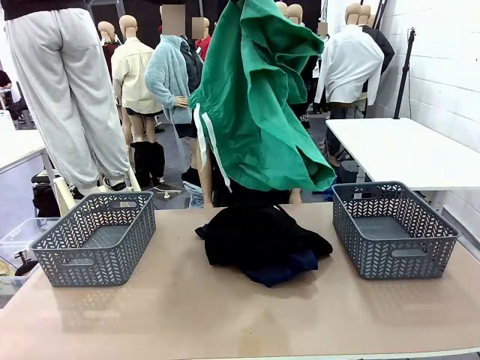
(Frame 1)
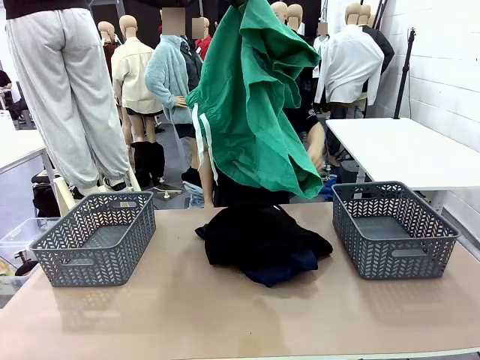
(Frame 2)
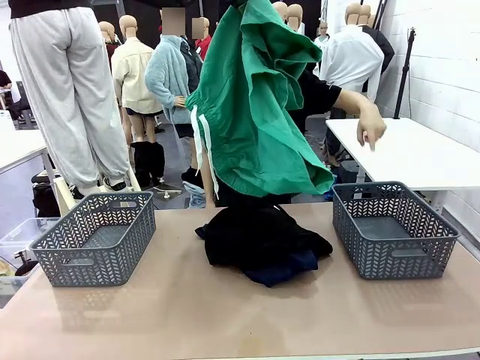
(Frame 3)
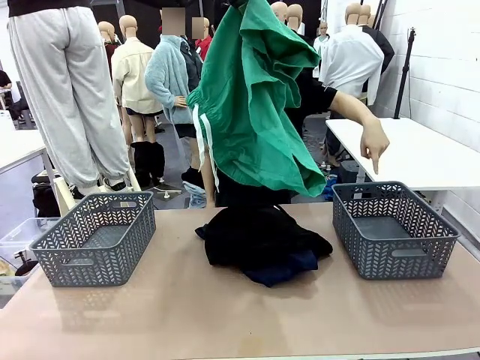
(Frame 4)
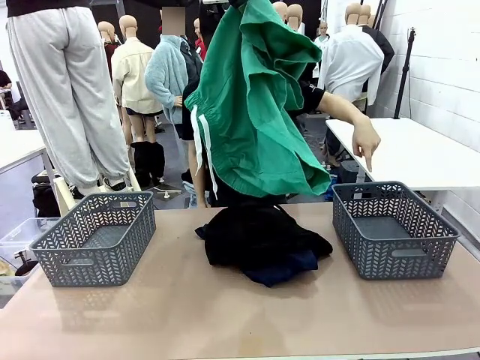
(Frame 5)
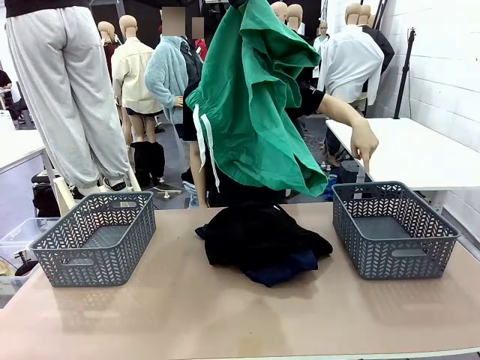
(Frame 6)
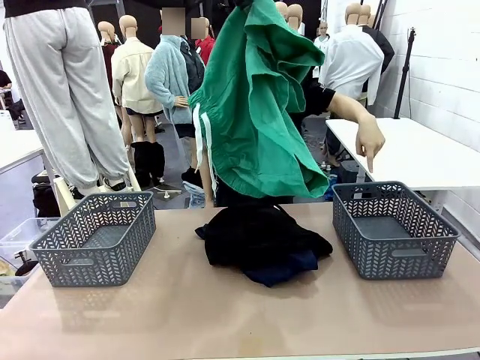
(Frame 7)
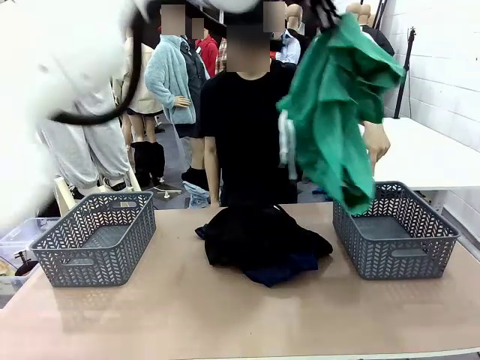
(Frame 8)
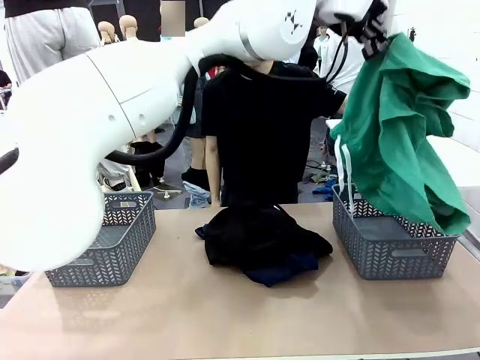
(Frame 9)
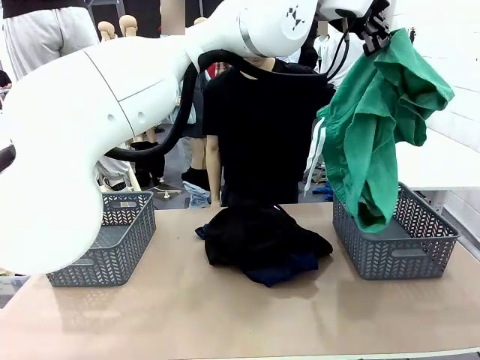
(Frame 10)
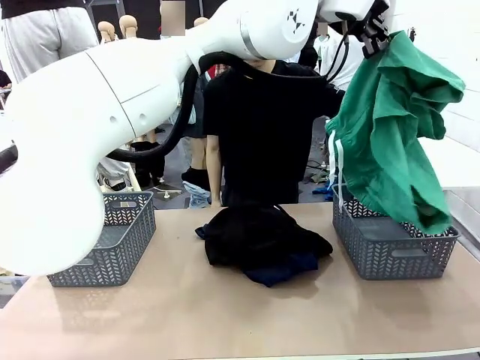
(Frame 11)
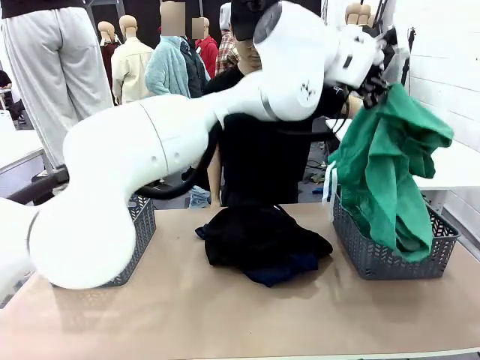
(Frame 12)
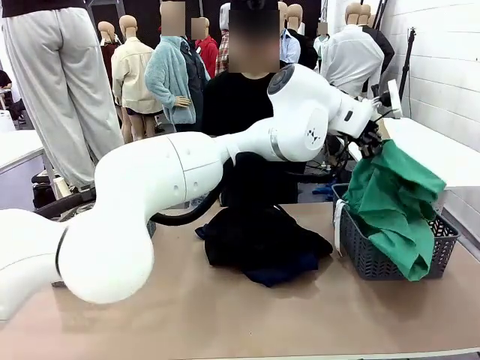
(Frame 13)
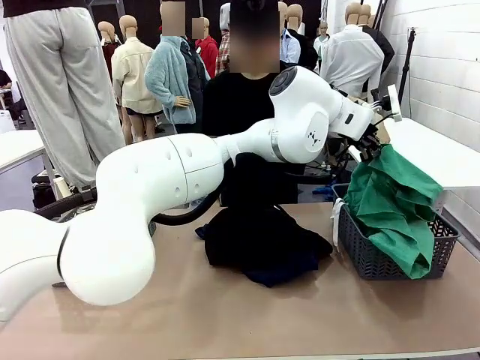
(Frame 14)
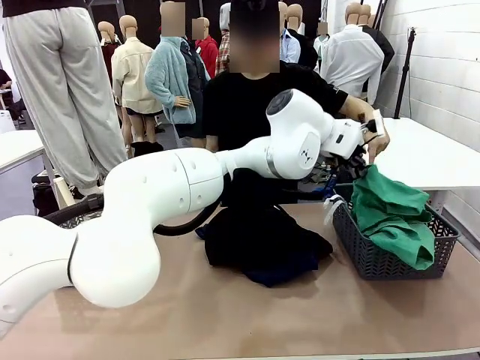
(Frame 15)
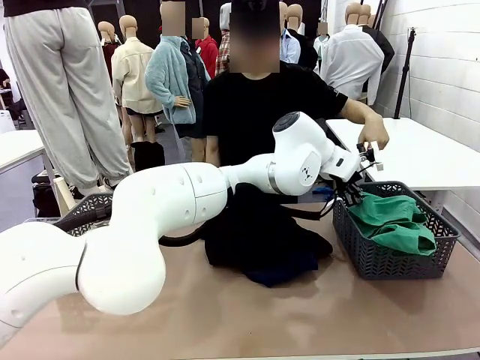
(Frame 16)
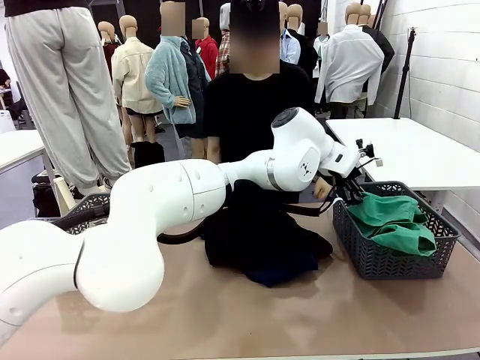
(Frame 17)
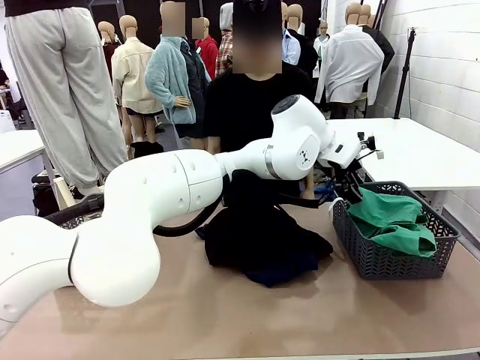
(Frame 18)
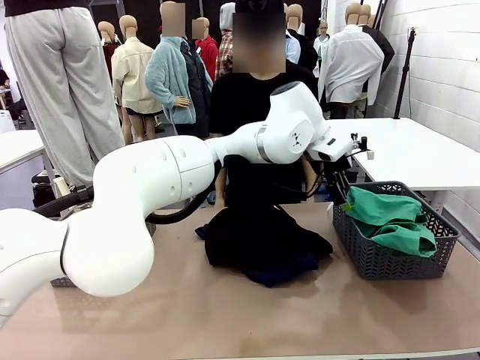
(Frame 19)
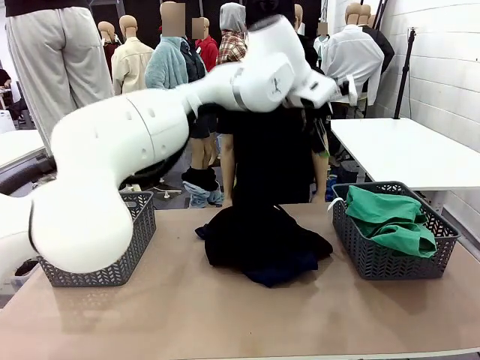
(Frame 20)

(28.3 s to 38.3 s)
Task: Sort the tops and bottoms.
Robot: Sort the clothes according to human instructions.

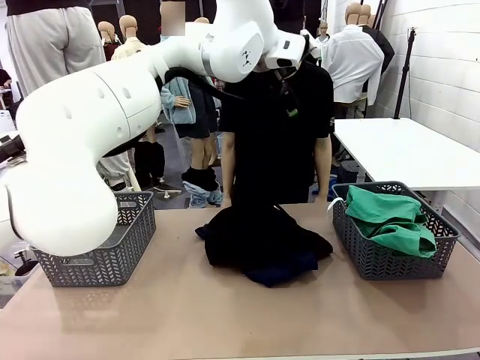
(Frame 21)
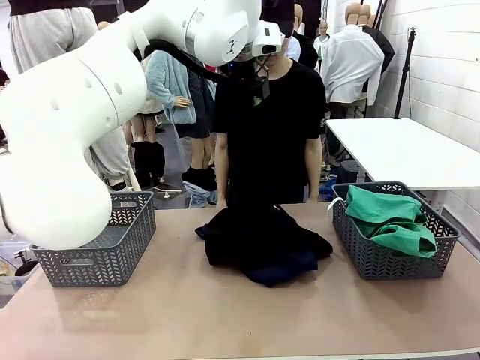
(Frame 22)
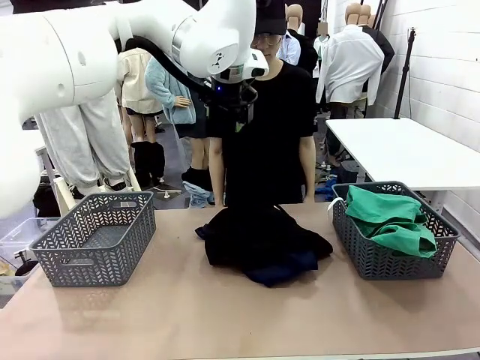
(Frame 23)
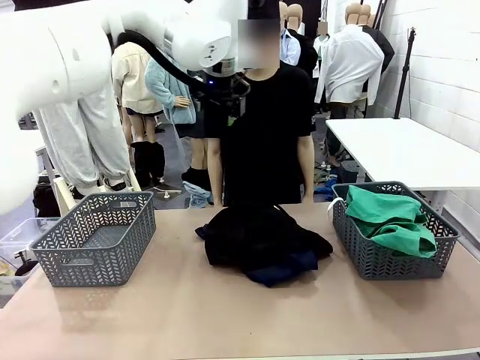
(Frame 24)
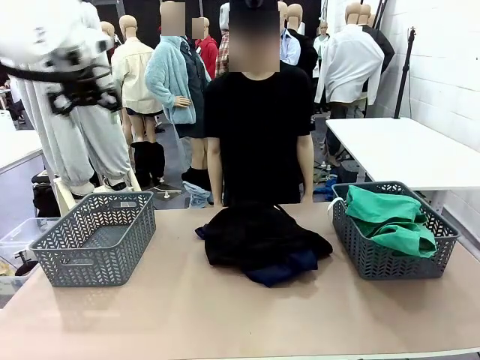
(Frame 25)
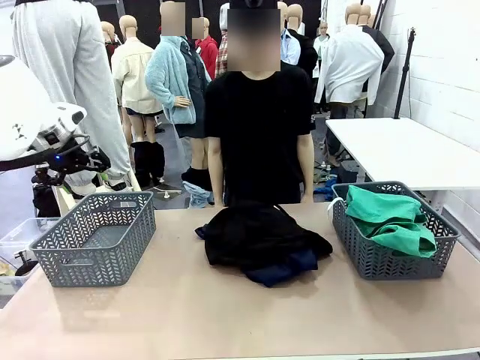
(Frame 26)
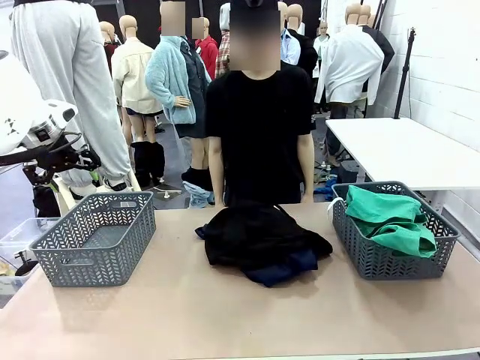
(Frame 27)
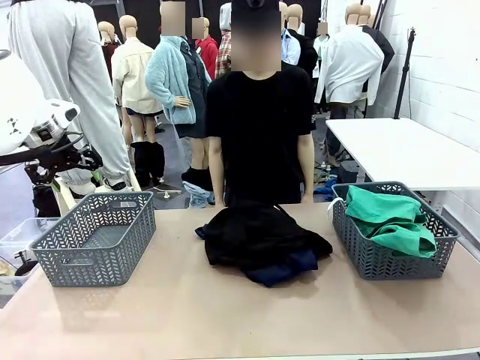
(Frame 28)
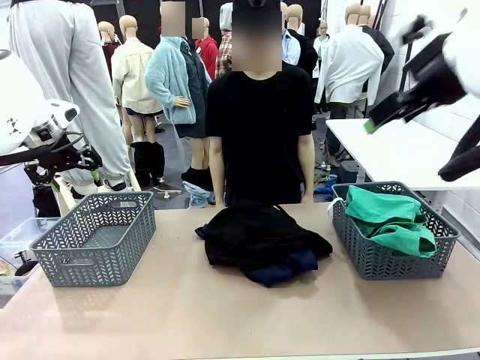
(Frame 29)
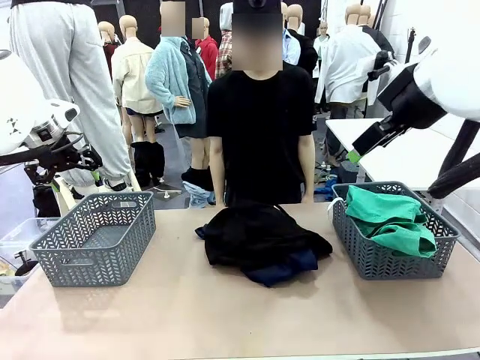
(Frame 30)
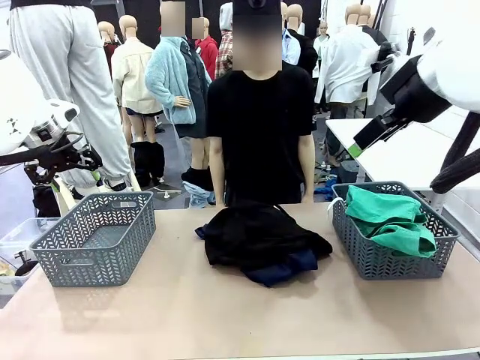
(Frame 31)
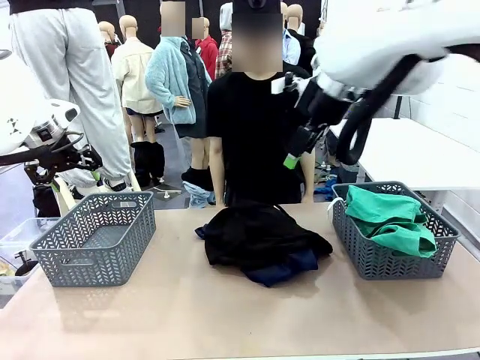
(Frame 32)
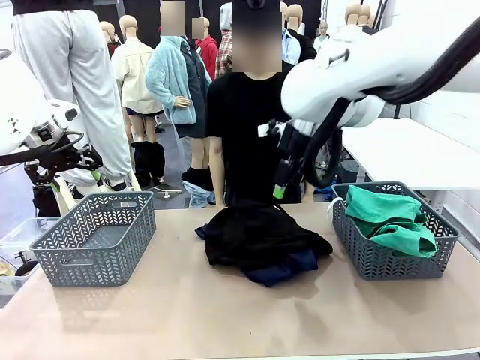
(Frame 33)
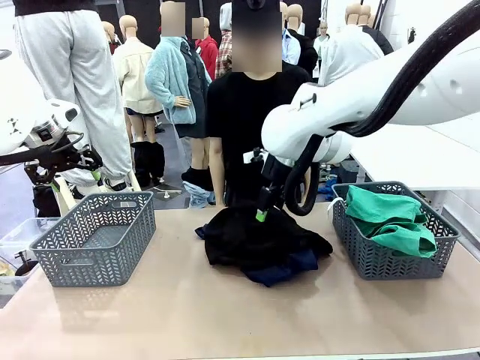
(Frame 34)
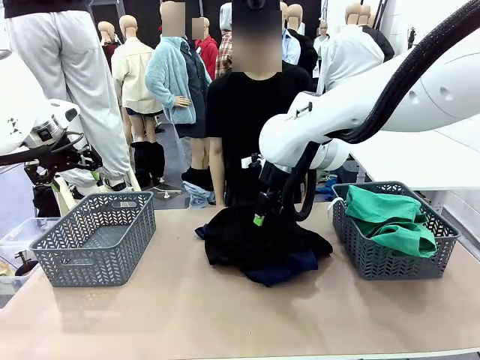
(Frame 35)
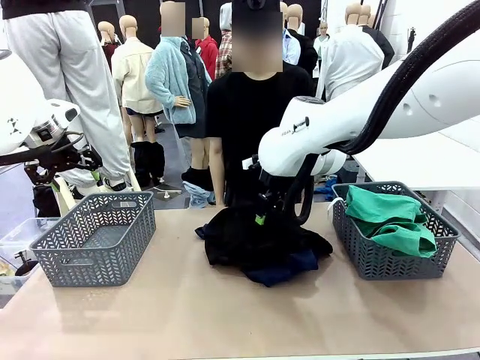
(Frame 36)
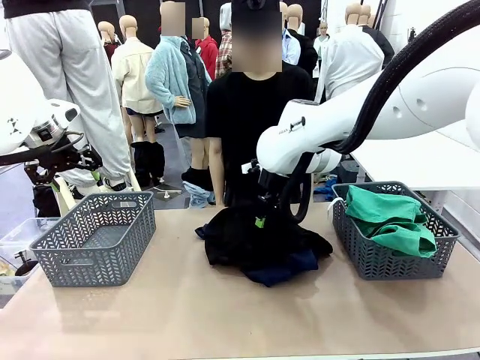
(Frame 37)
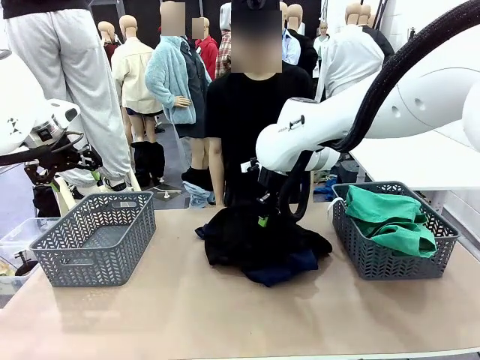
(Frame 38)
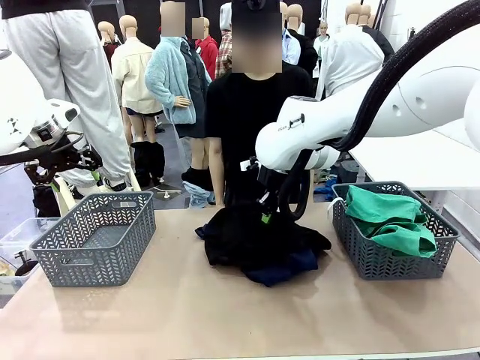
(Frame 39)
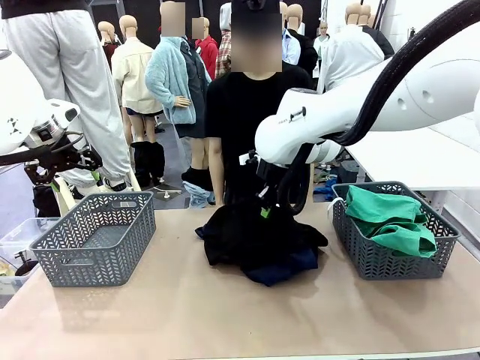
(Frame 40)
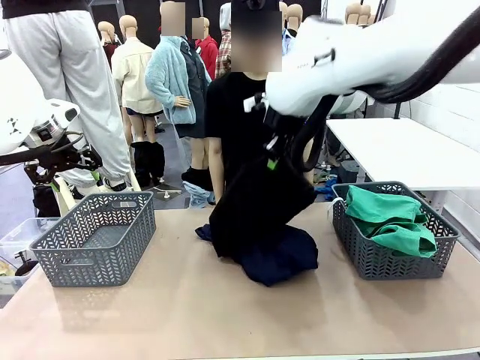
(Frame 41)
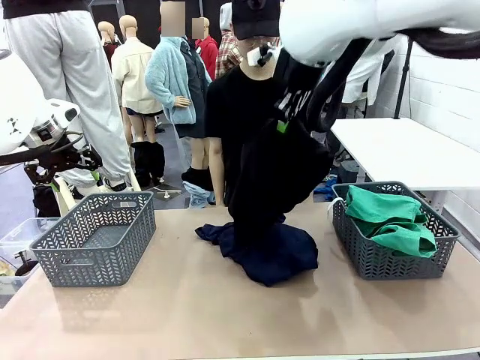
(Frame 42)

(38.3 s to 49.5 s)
Robot: Lift clothes from the center of the table with your right hand.

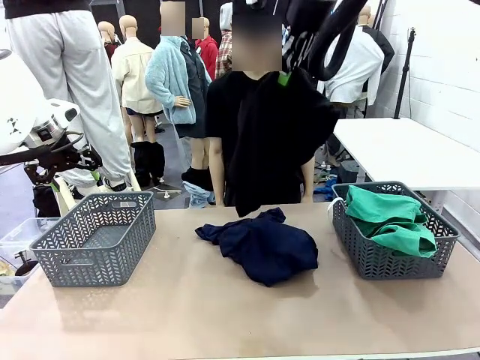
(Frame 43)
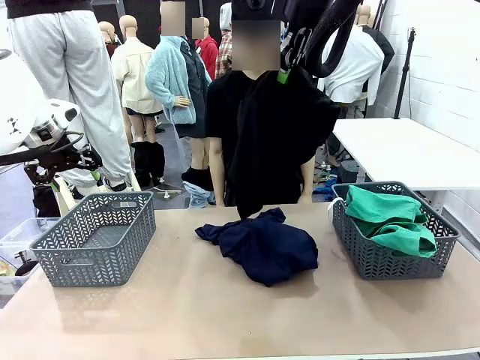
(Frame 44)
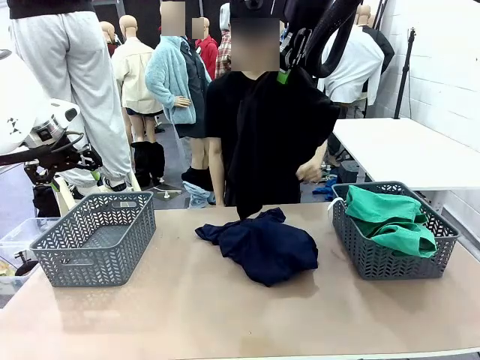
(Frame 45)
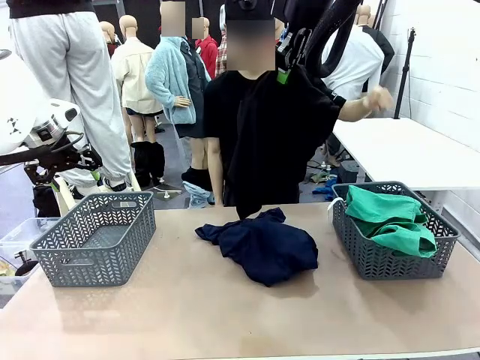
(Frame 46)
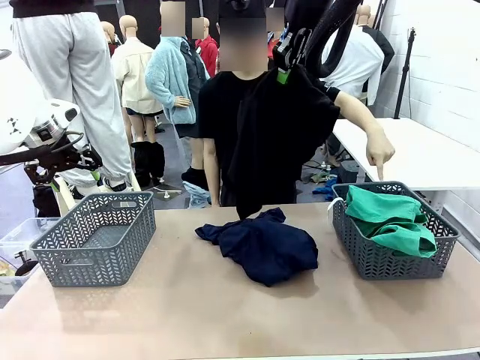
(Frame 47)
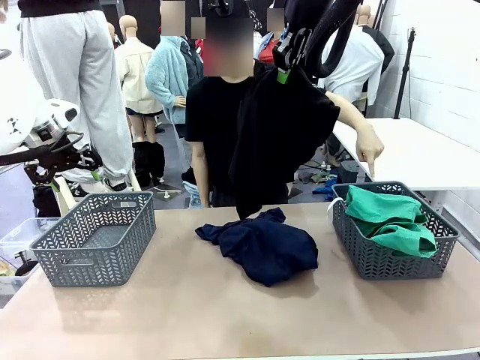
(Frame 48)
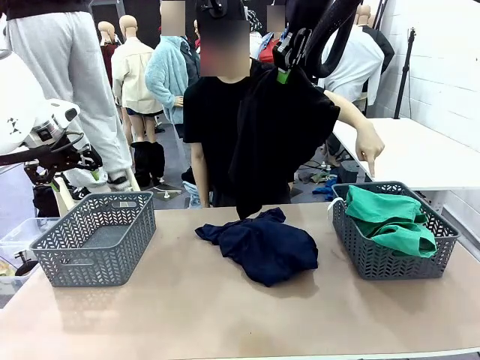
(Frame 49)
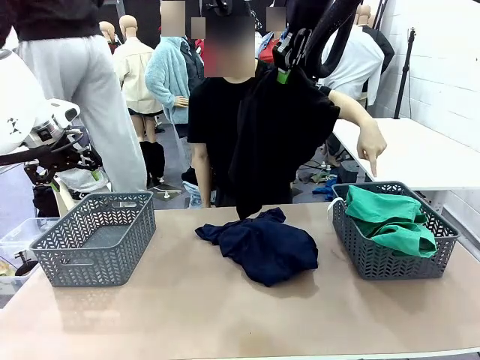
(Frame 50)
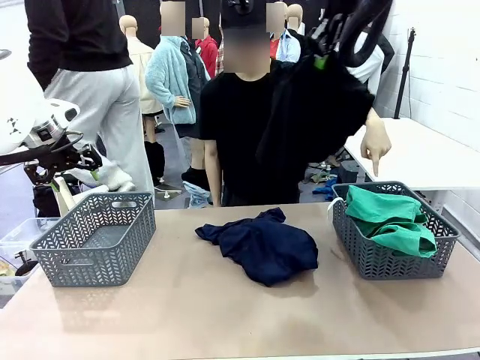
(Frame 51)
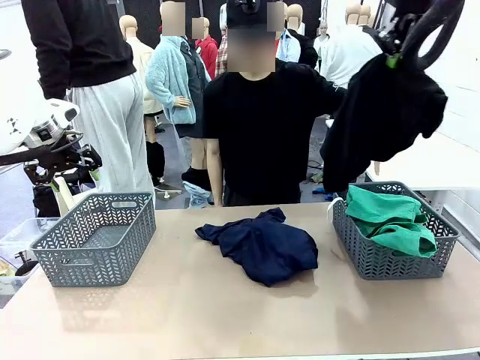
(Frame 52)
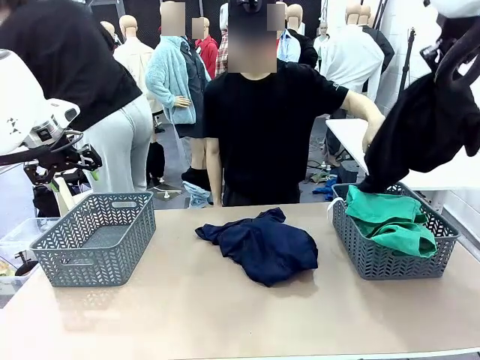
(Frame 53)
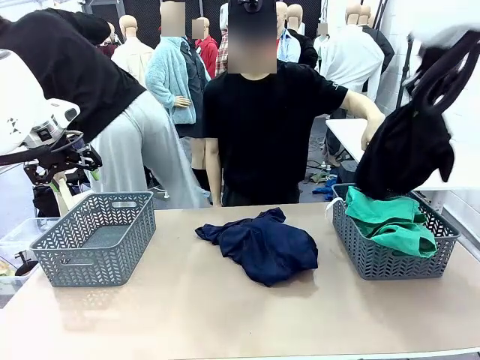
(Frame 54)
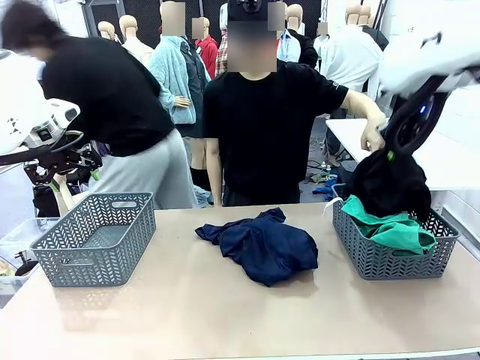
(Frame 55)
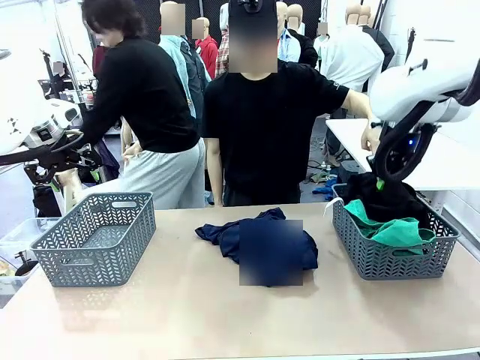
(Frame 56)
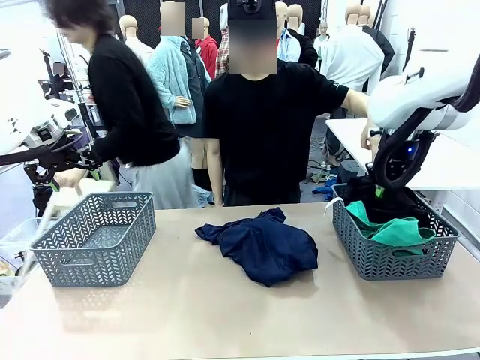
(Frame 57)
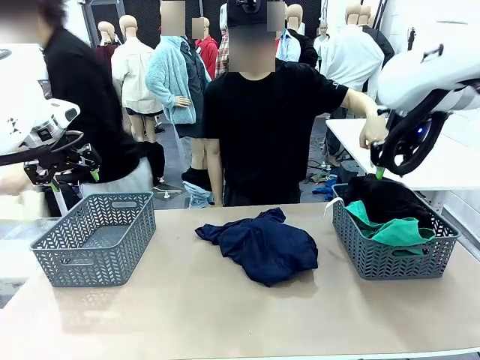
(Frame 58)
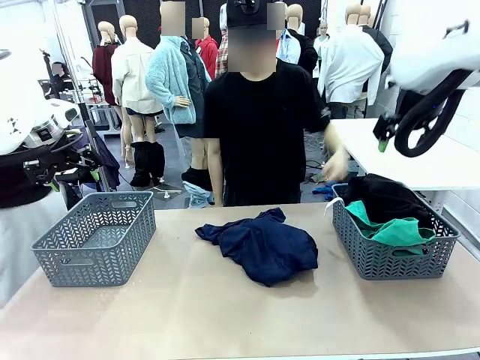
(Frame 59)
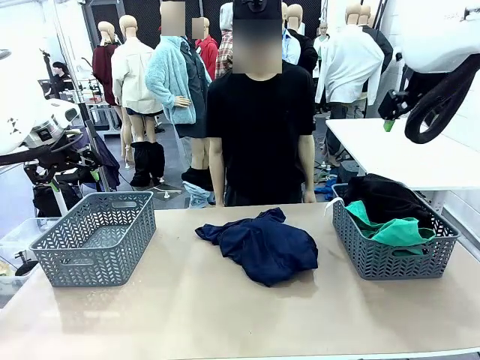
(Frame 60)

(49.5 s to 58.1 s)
Robot: Sort the clothes according to human instructions.
